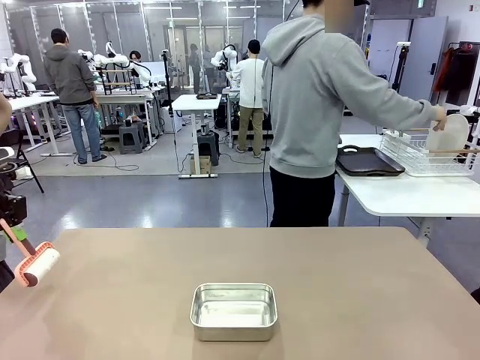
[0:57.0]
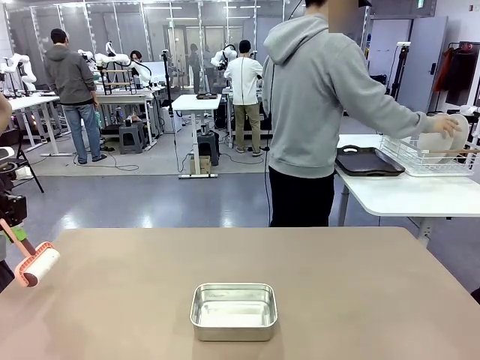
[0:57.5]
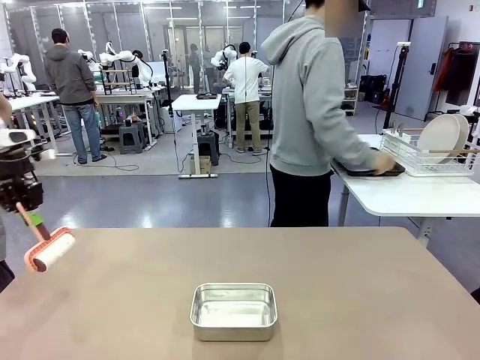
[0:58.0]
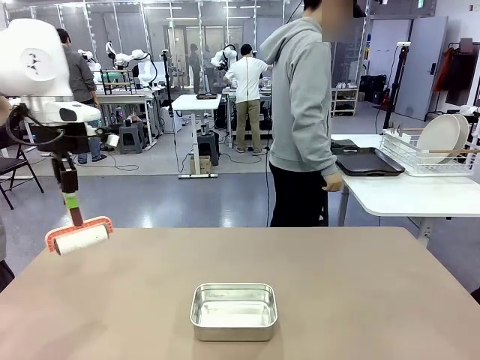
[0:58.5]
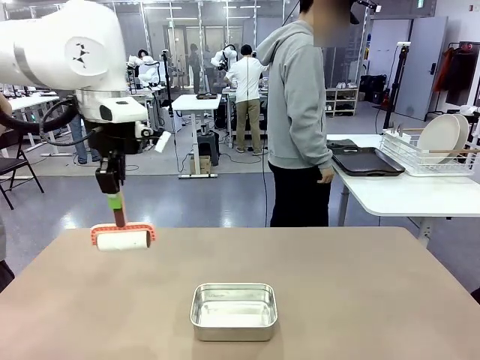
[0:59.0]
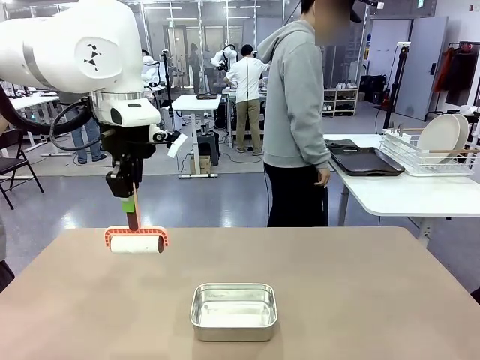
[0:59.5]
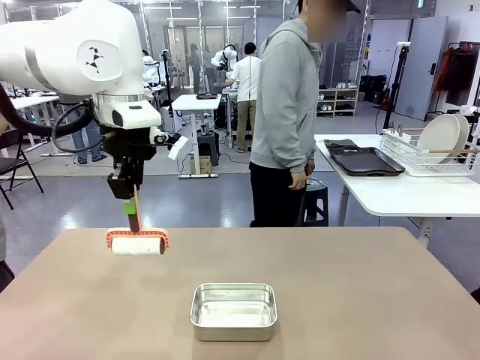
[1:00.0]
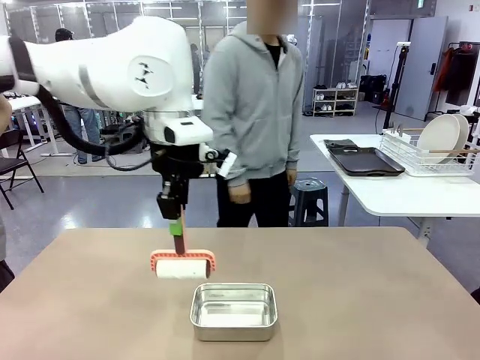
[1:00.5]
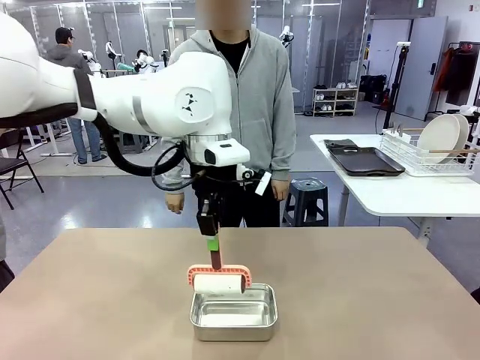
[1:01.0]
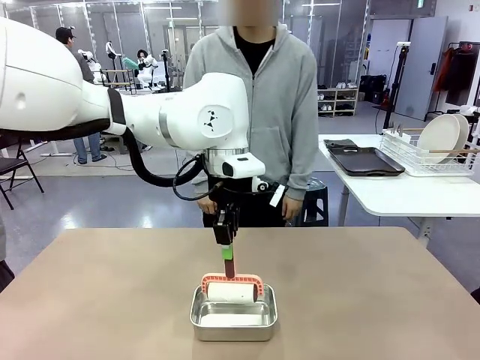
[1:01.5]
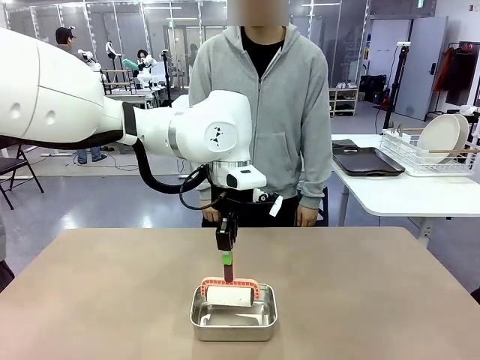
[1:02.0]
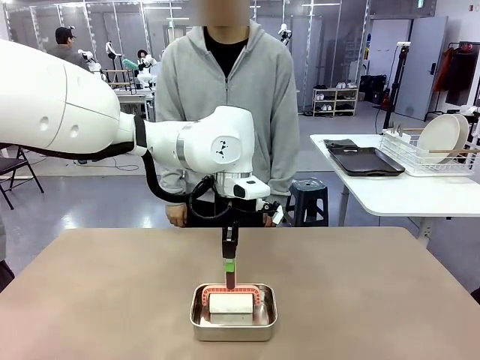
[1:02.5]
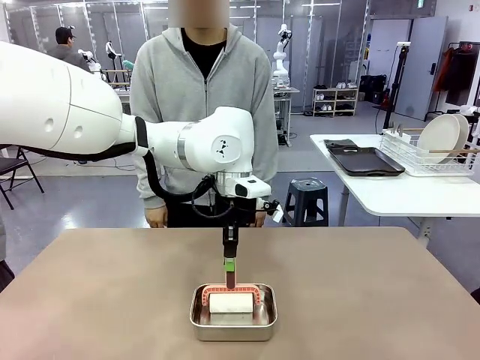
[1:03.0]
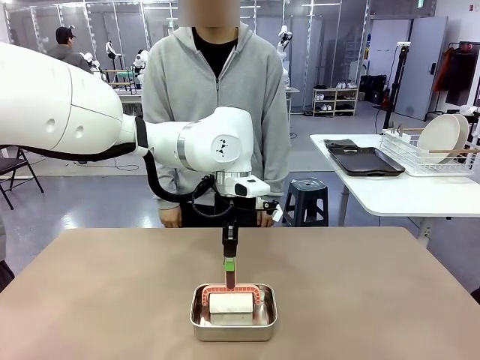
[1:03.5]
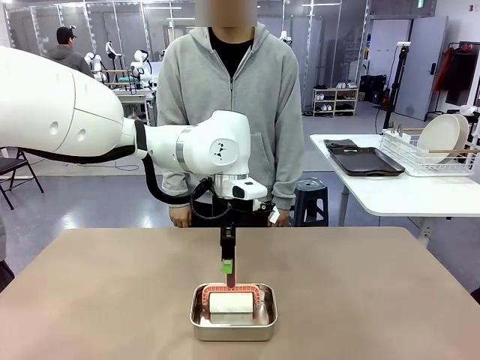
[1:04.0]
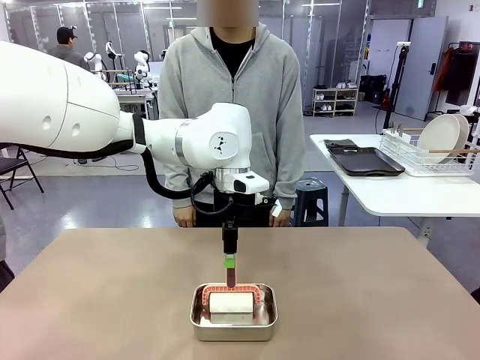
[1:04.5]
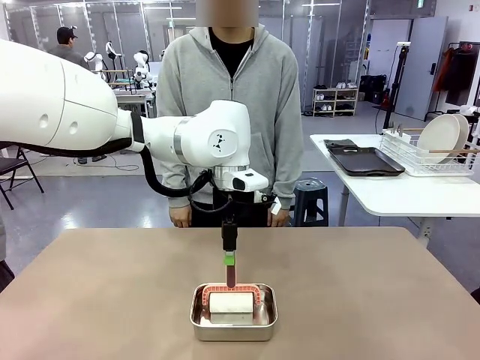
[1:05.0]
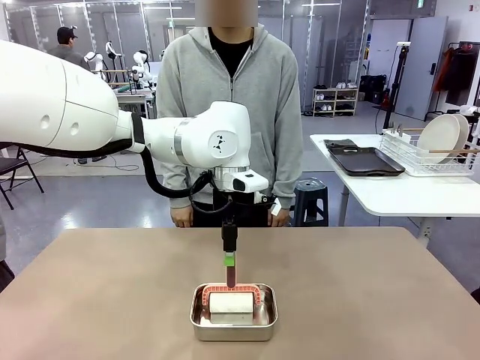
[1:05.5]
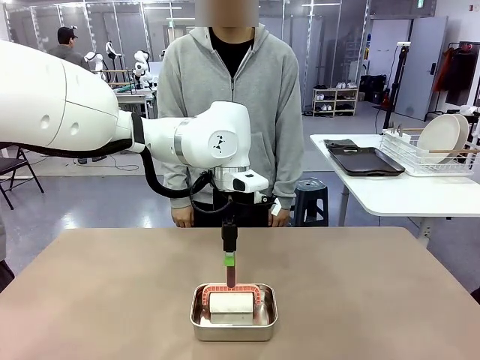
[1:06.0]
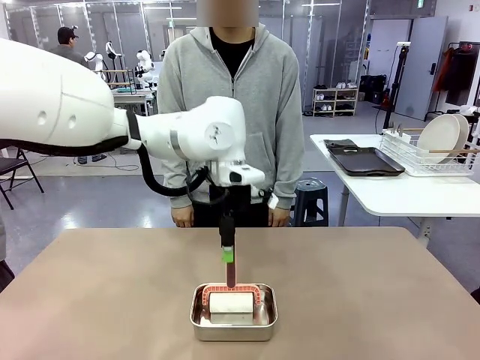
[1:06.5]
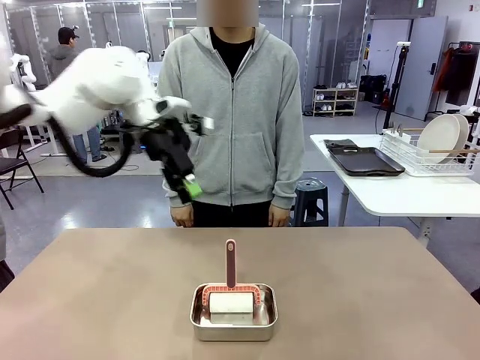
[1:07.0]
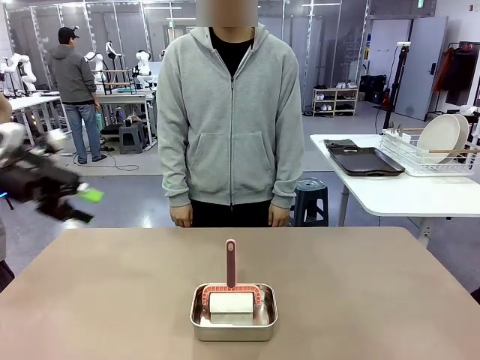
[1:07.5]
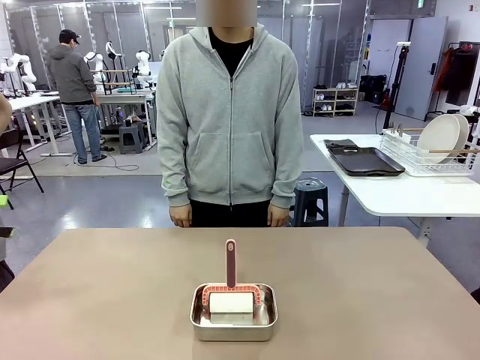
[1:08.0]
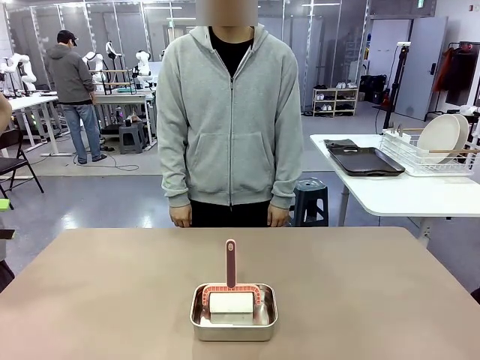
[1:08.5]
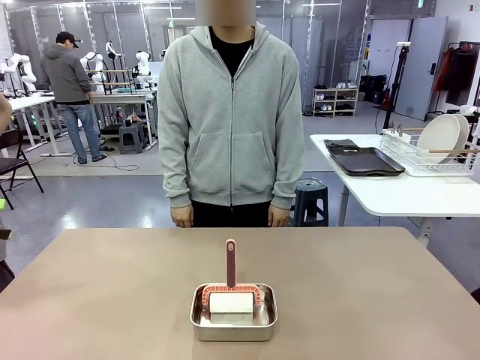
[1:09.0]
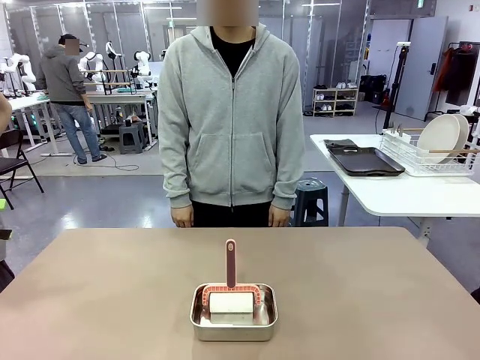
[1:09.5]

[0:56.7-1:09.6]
Robot: Place the Lint Roller back on top of the Airtight Container.

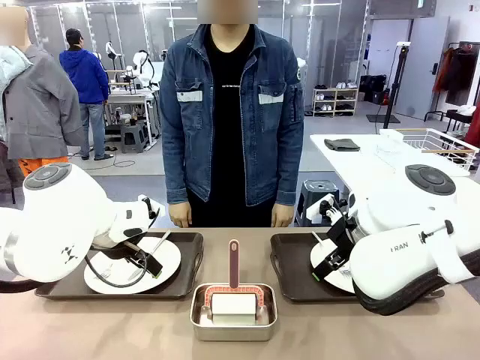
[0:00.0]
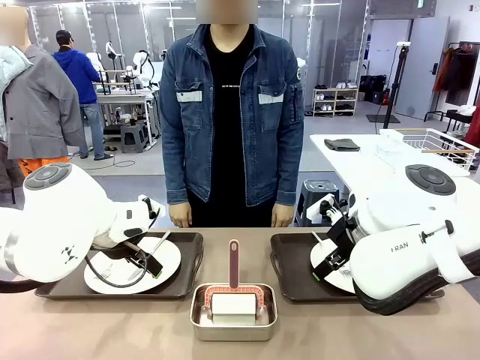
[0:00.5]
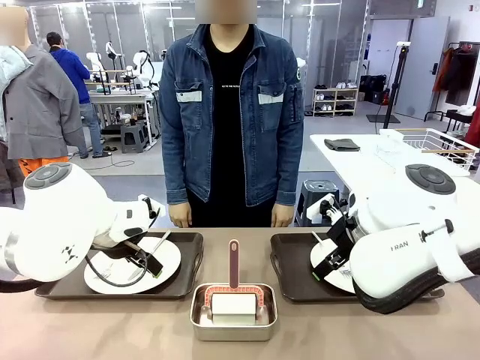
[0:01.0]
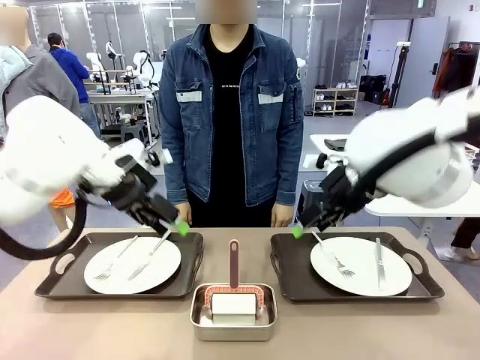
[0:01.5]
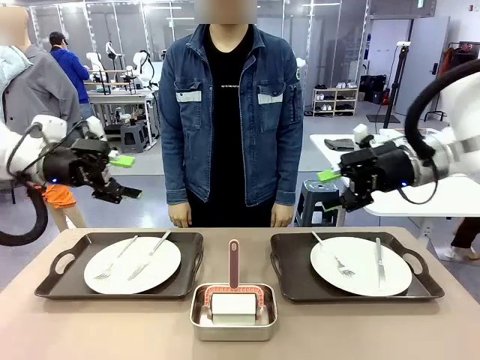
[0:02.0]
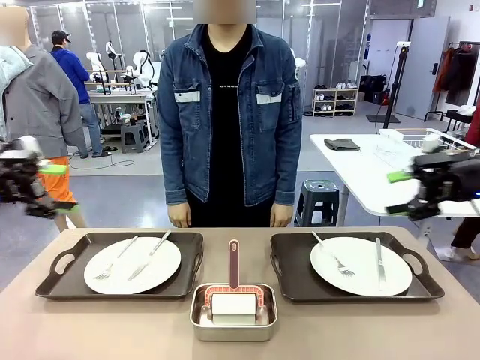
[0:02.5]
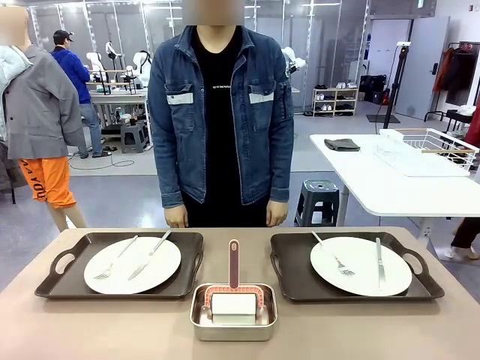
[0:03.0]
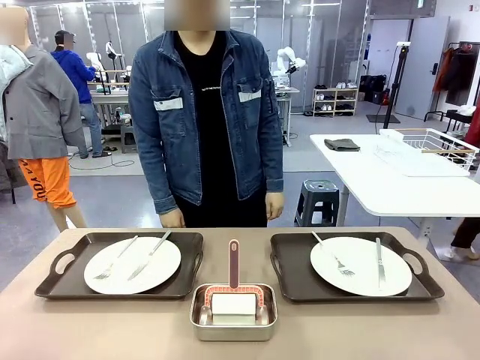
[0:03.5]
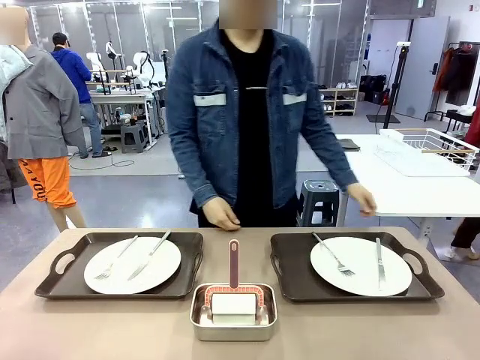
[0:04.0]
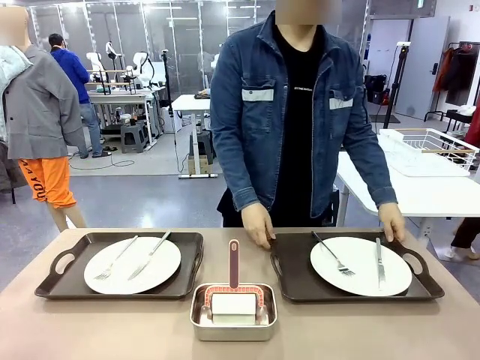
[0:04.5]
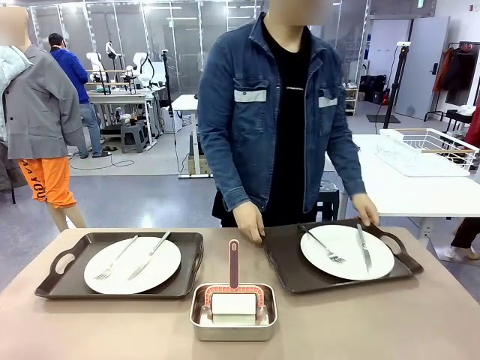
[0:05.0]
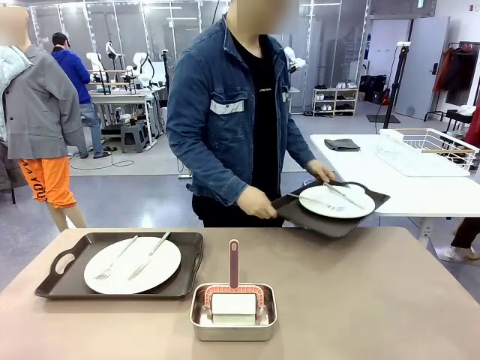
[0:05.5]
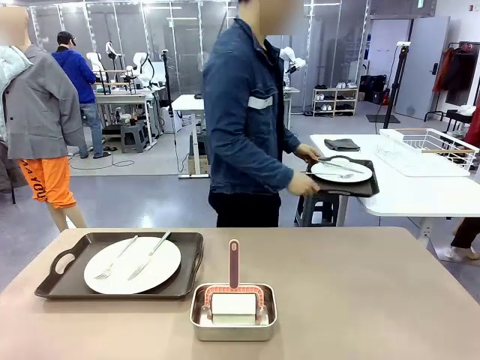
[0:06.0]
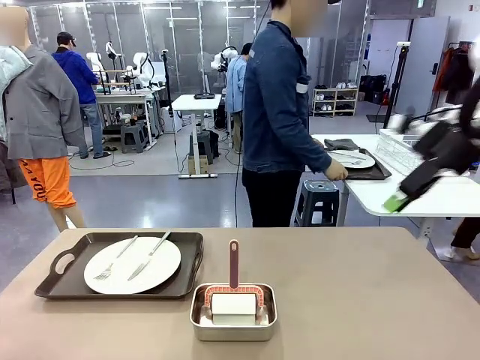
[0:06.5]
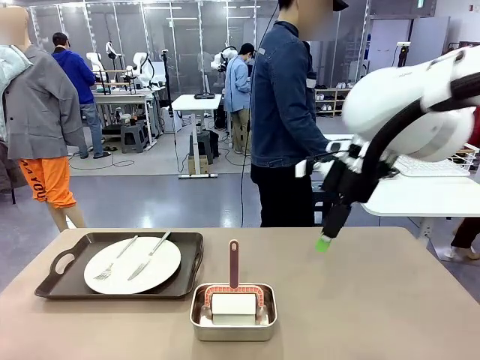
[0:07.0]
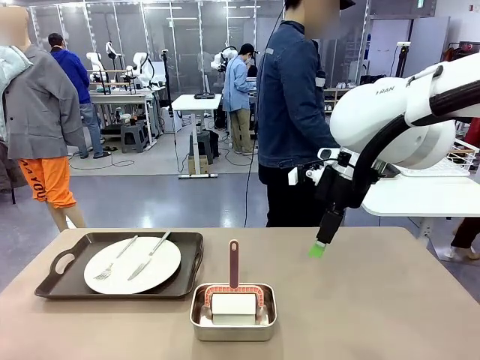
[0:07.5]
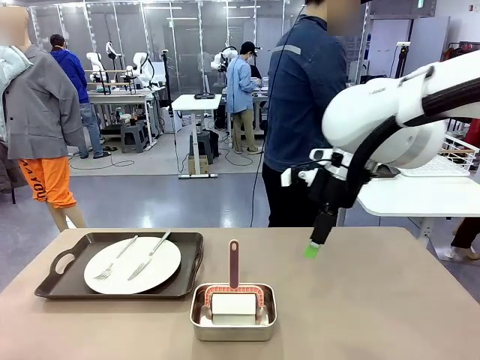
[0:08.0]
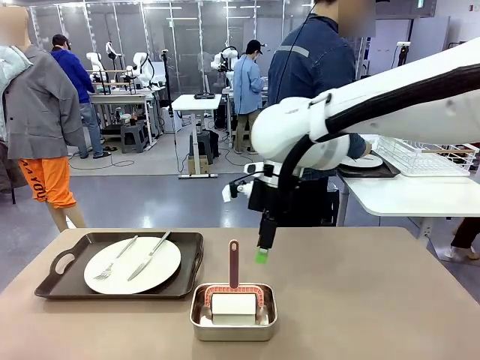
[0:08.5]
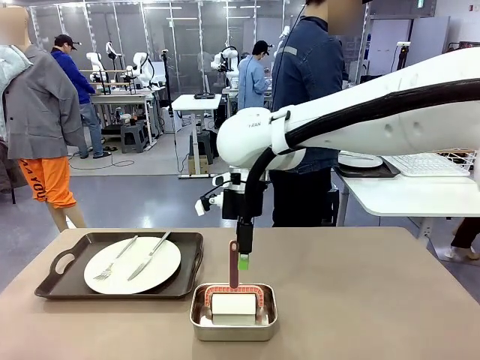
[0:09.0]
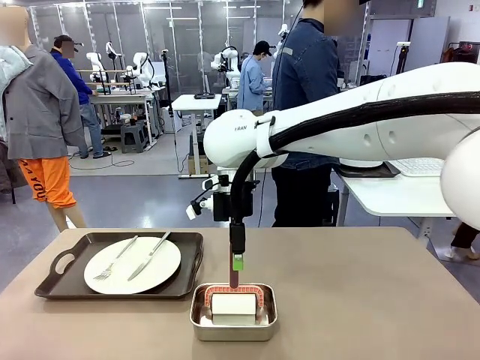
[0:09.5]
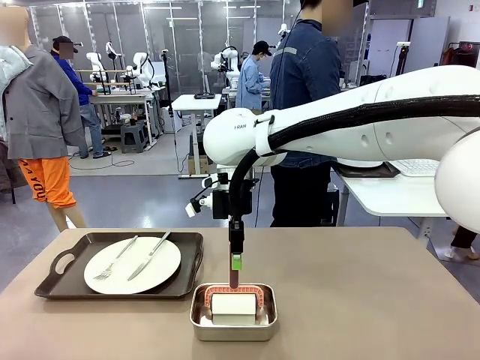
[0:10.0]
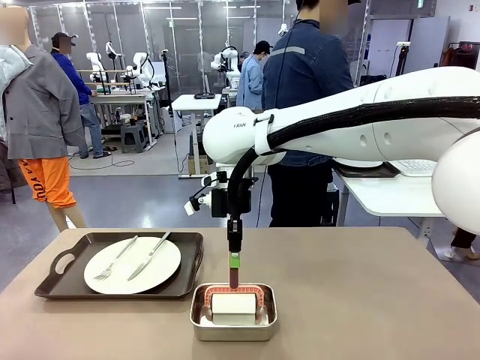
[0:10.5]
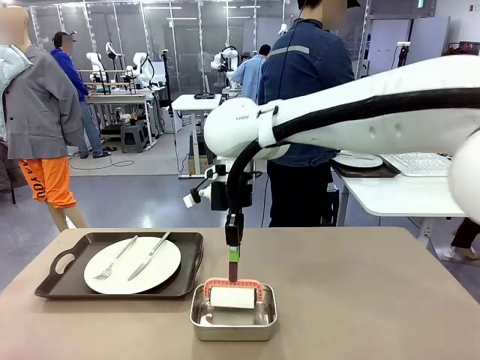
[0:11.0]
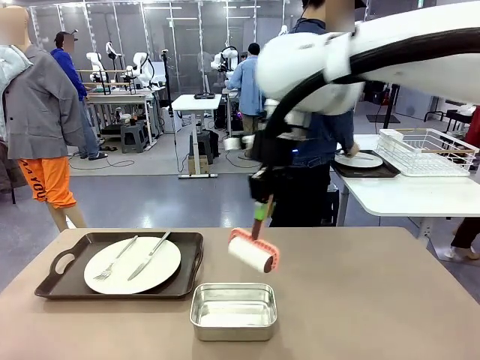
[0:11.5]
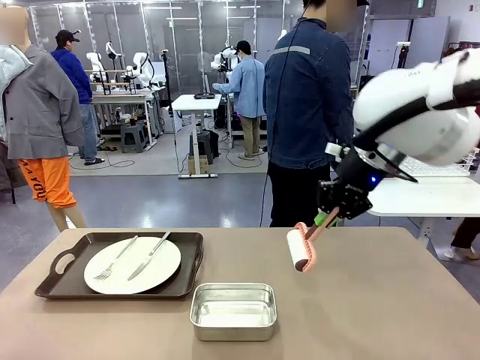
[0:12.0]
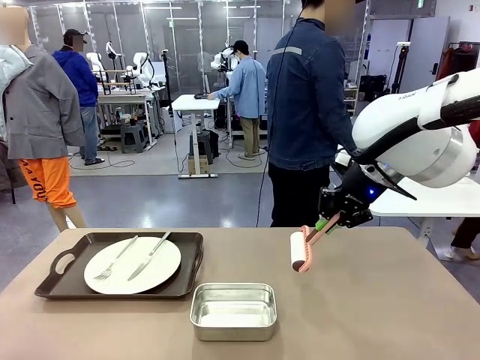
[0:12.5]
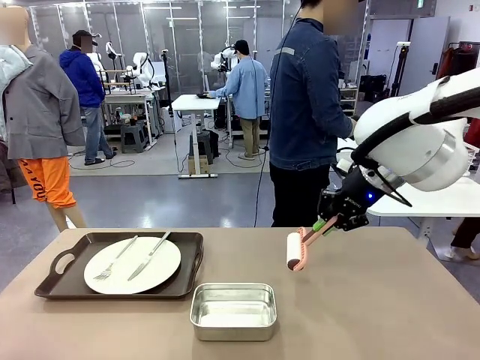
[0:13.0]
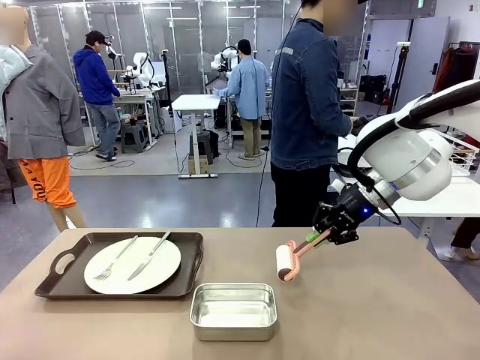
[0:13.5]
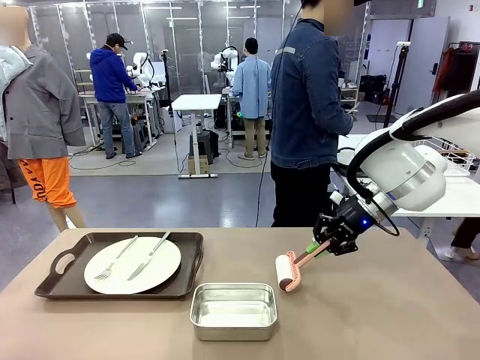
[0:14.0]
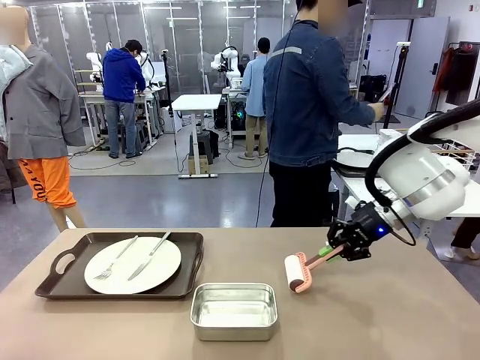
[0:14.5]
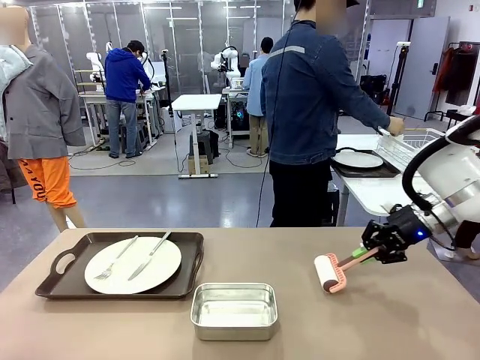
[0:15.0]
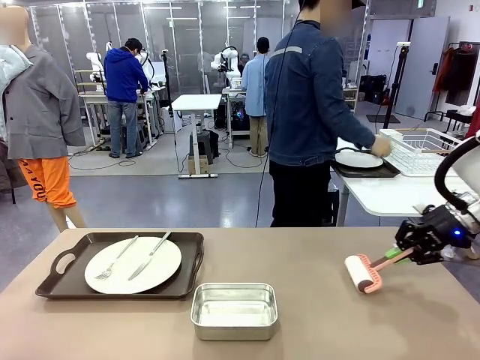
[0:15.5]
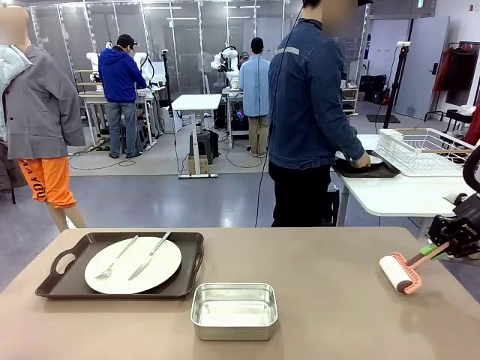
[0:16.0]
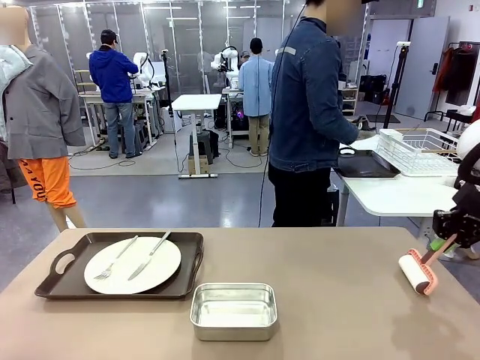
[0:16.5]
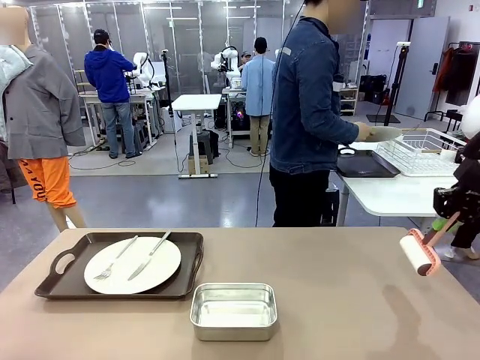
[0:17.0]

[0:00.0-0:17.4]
Robot: When the left (or right) Handle tray is removed, use the left hand (or right hand) to clean the left (or right) side of the table with the Lint Roller.
Person: Pick up the left (or right) Handle tray and place it on the middle of the Human's table. Use the Towel with hook to wipe the Plastic Matte Plate , Fork , and Knife and place into the Dish drying rack.
